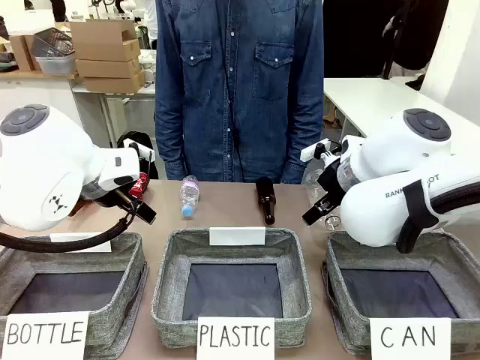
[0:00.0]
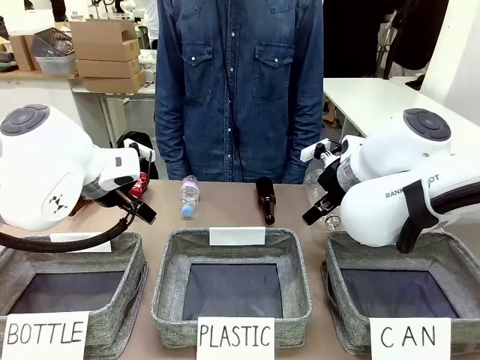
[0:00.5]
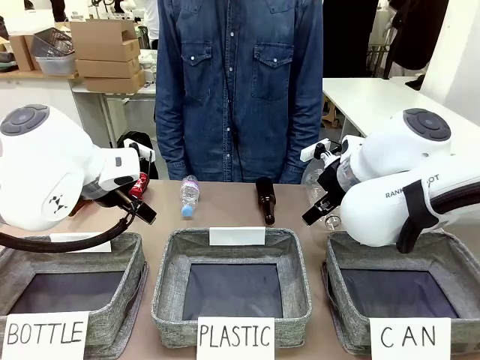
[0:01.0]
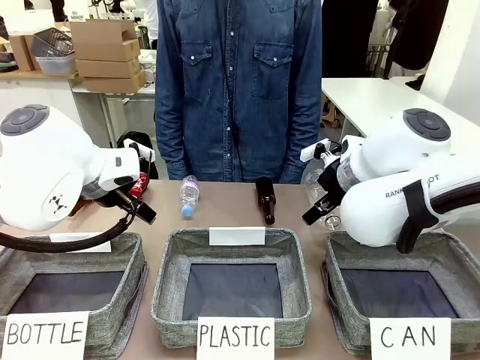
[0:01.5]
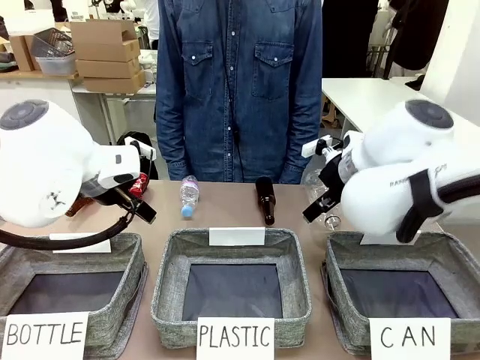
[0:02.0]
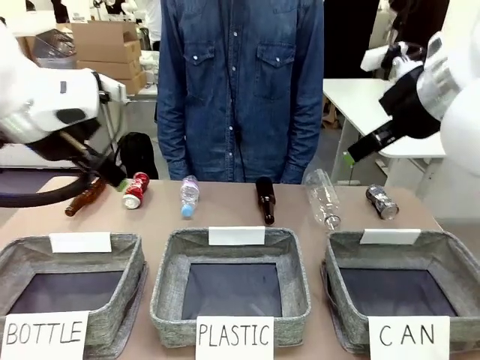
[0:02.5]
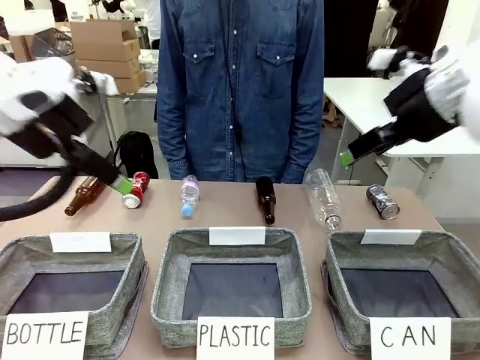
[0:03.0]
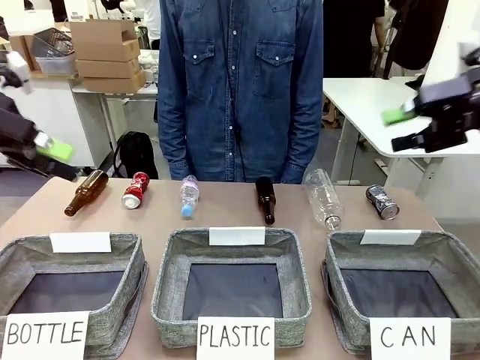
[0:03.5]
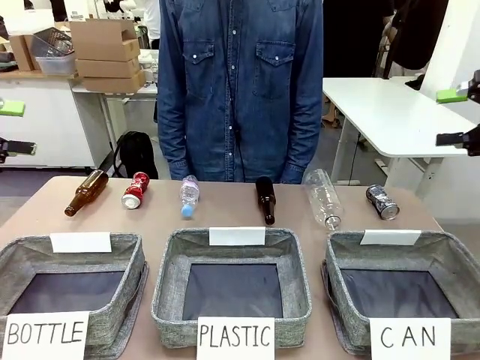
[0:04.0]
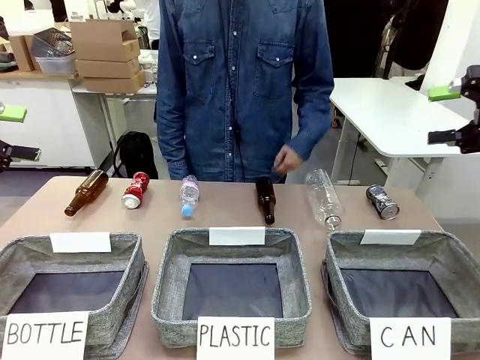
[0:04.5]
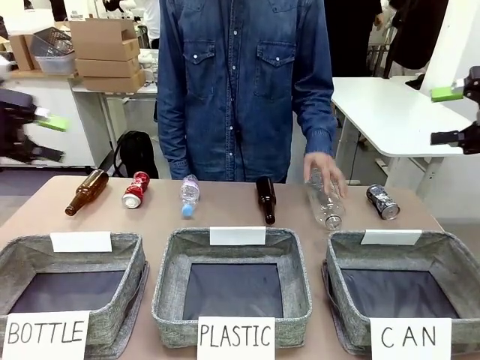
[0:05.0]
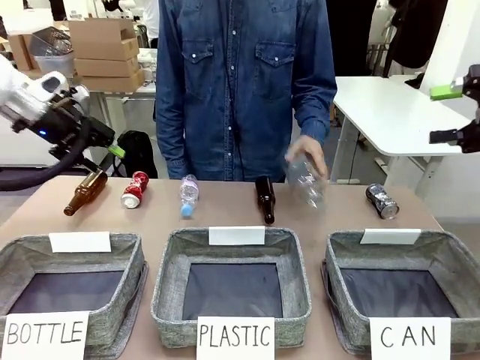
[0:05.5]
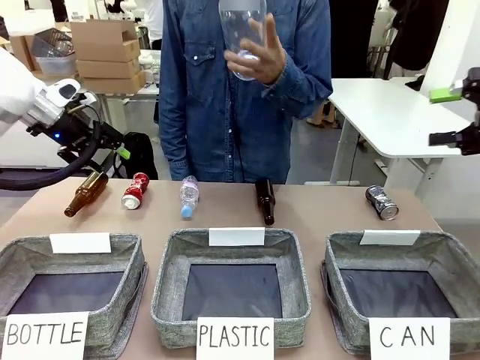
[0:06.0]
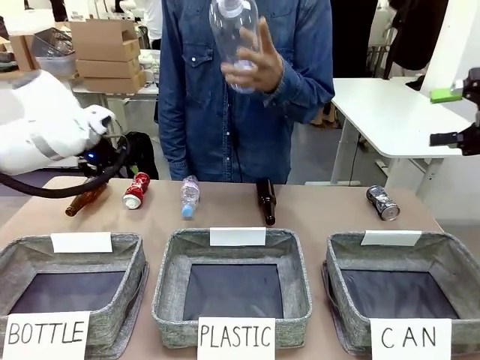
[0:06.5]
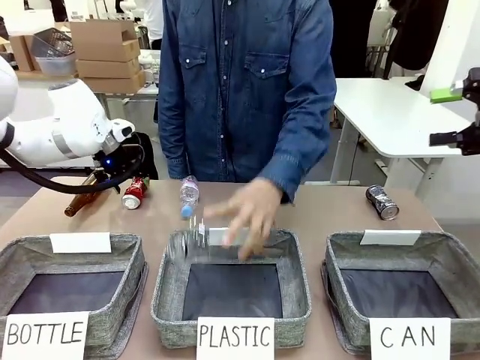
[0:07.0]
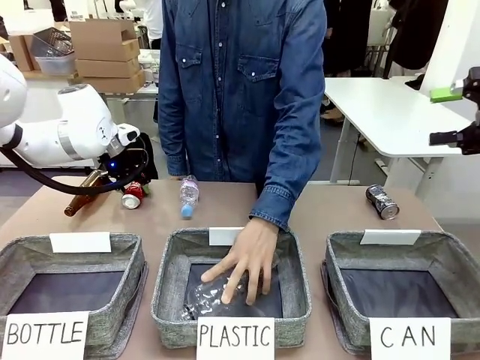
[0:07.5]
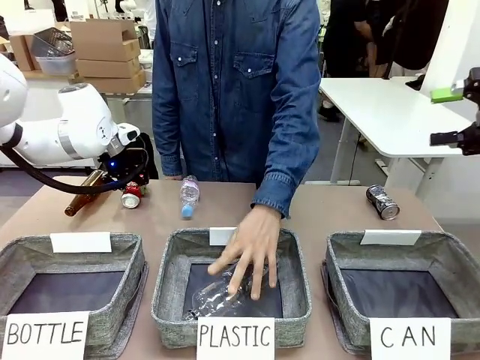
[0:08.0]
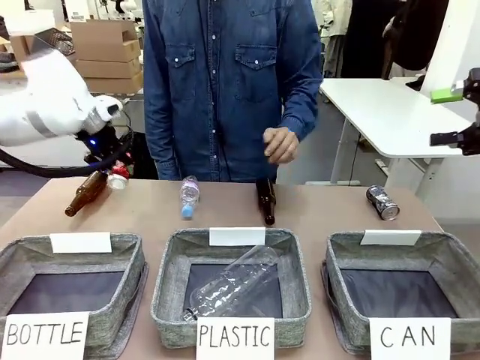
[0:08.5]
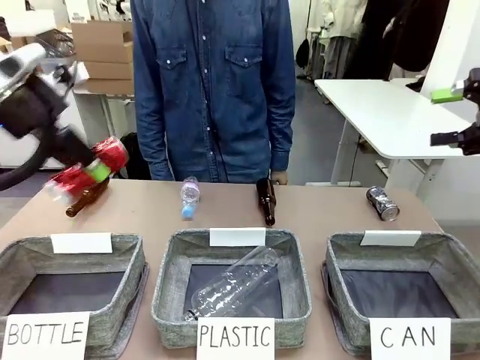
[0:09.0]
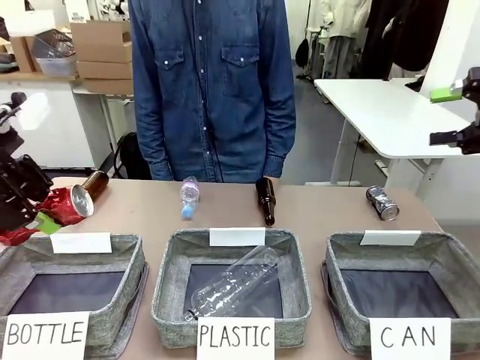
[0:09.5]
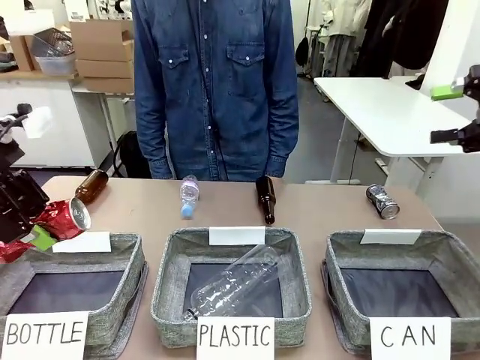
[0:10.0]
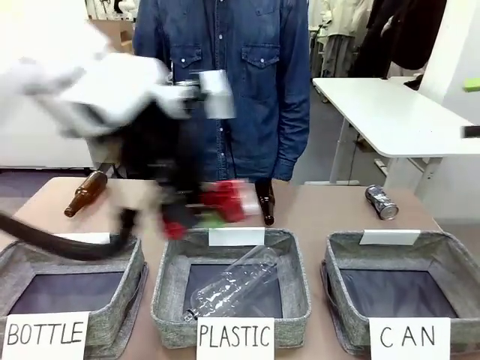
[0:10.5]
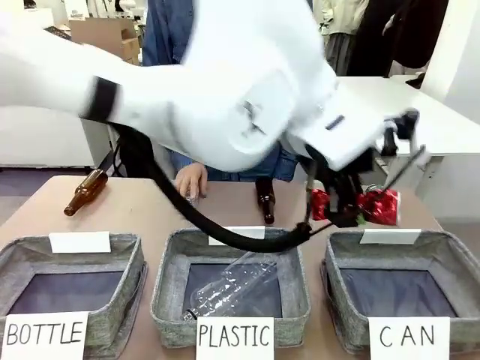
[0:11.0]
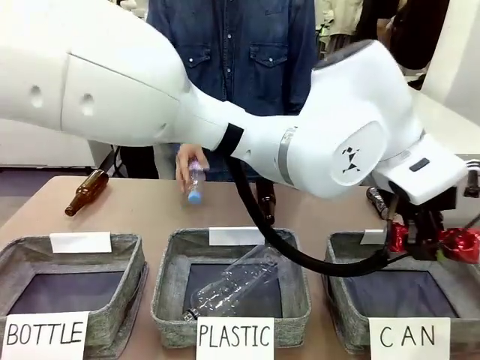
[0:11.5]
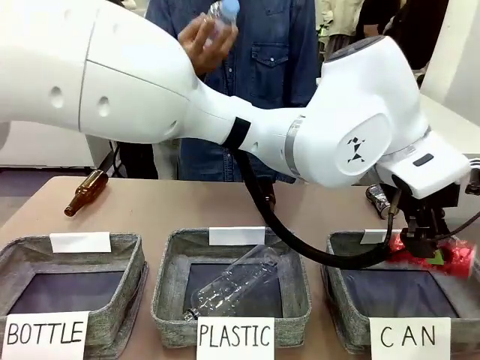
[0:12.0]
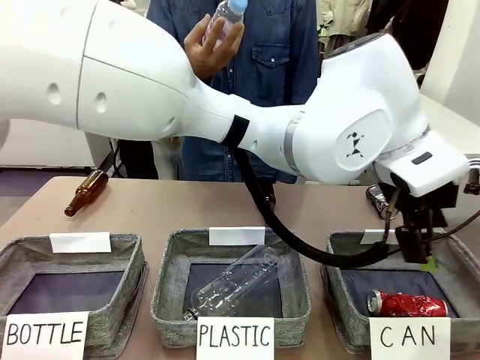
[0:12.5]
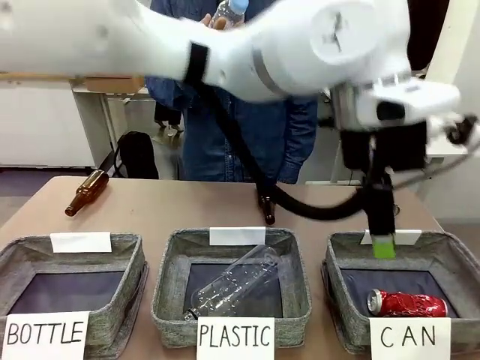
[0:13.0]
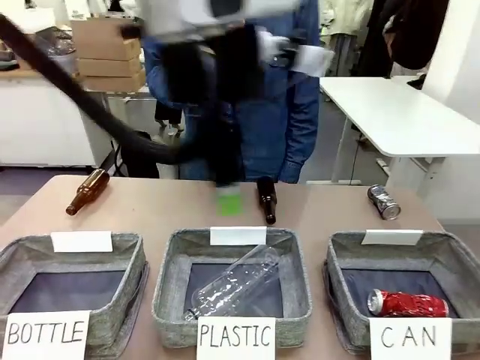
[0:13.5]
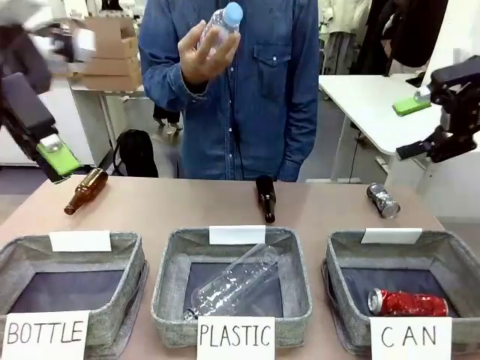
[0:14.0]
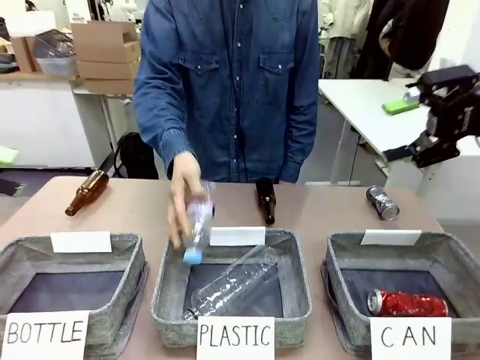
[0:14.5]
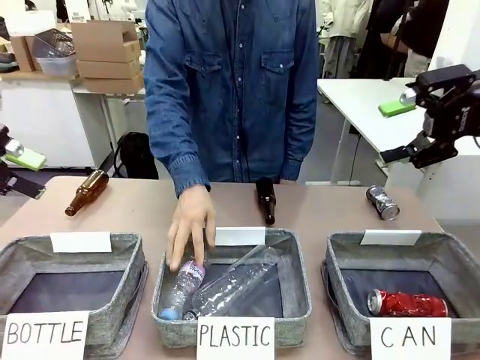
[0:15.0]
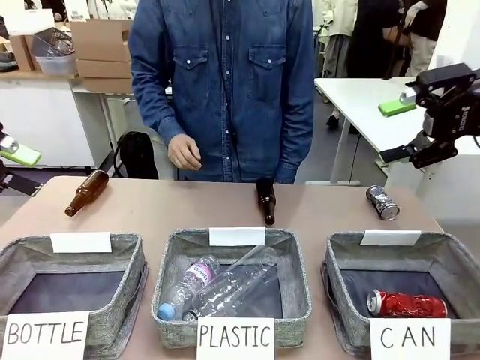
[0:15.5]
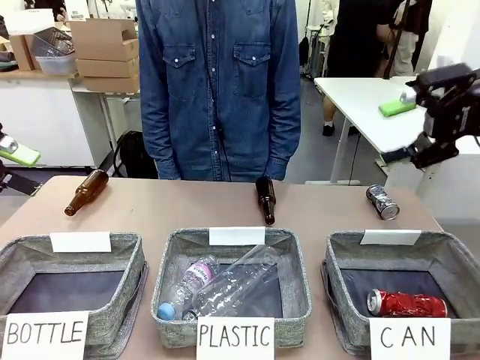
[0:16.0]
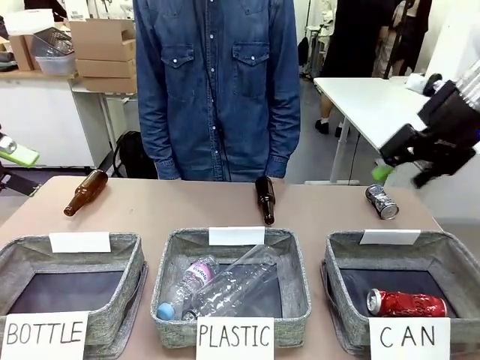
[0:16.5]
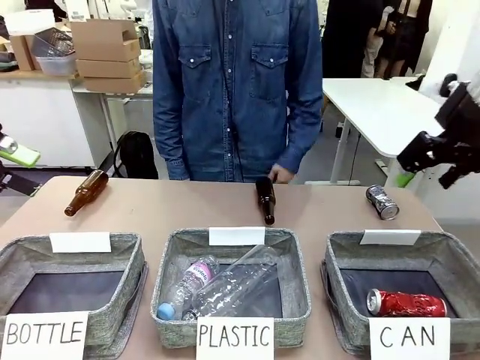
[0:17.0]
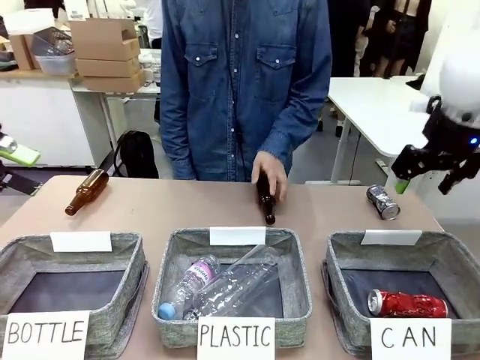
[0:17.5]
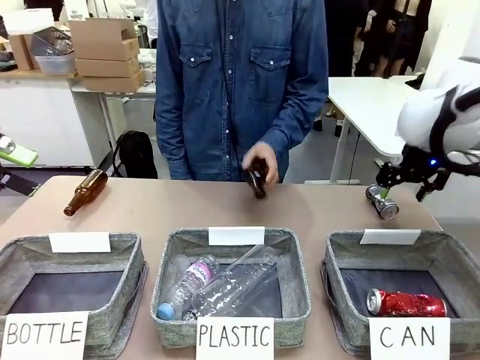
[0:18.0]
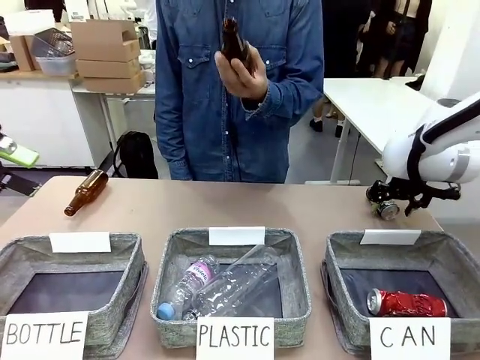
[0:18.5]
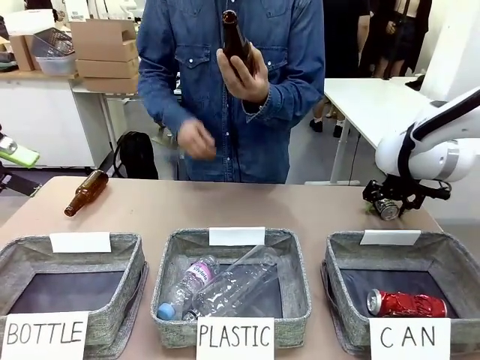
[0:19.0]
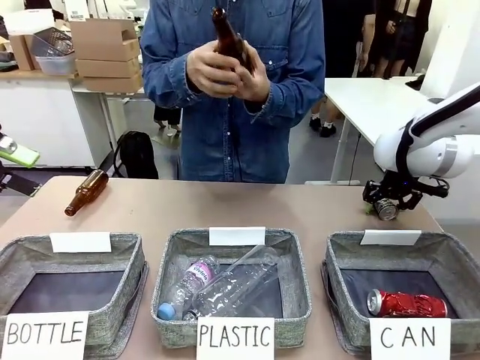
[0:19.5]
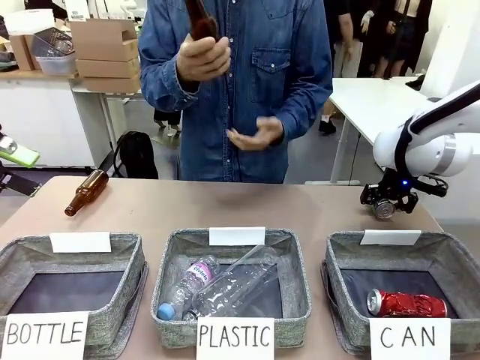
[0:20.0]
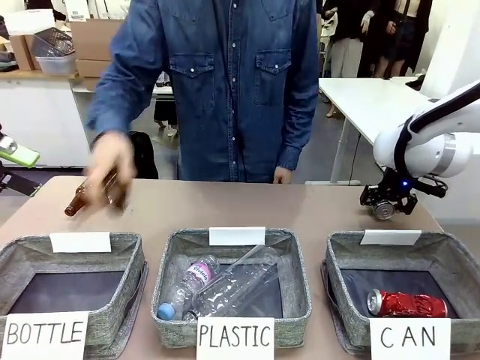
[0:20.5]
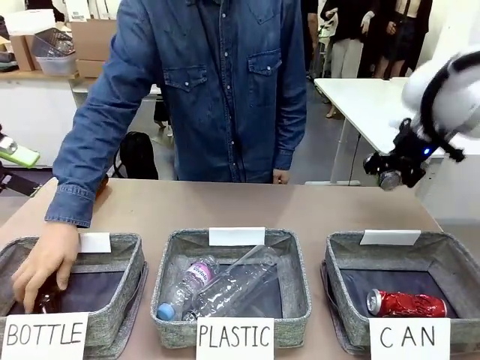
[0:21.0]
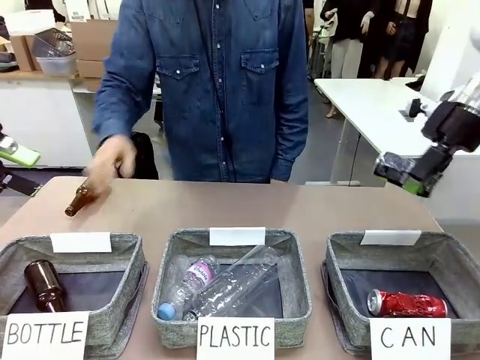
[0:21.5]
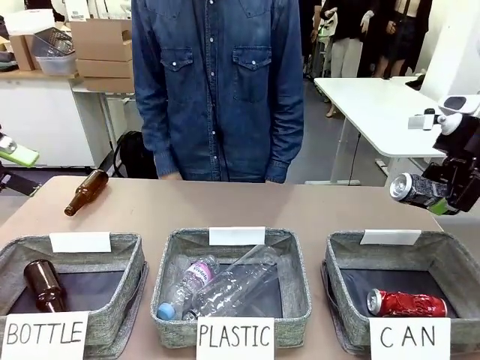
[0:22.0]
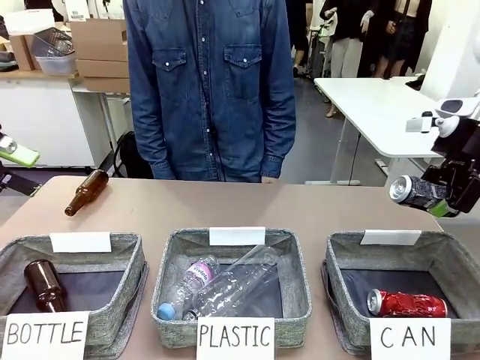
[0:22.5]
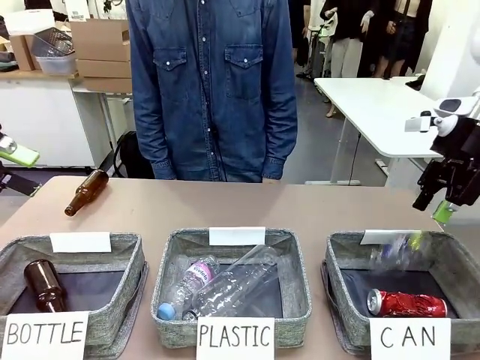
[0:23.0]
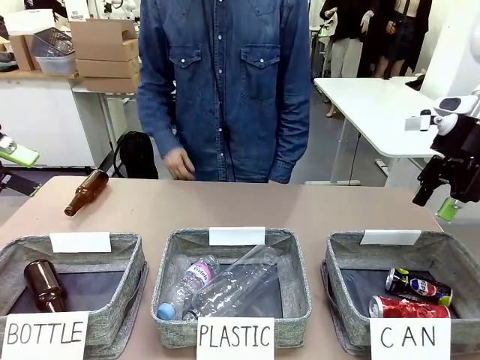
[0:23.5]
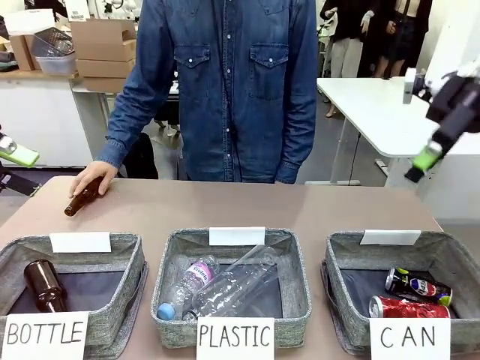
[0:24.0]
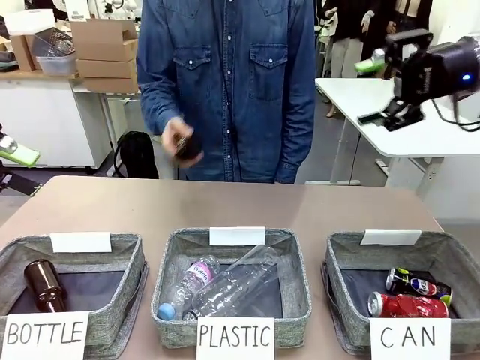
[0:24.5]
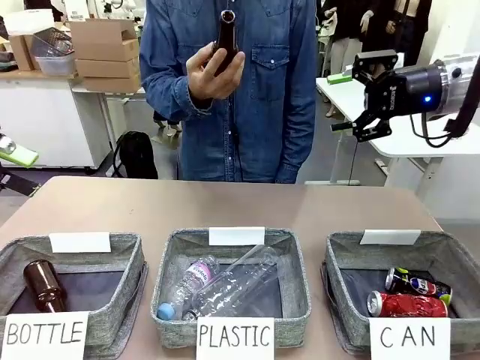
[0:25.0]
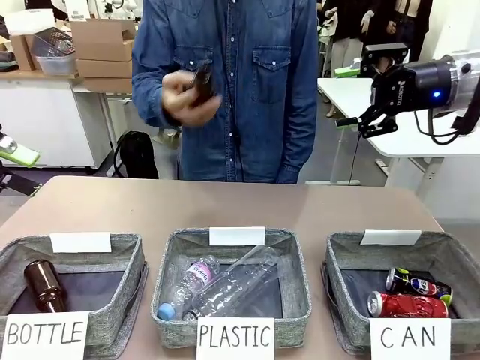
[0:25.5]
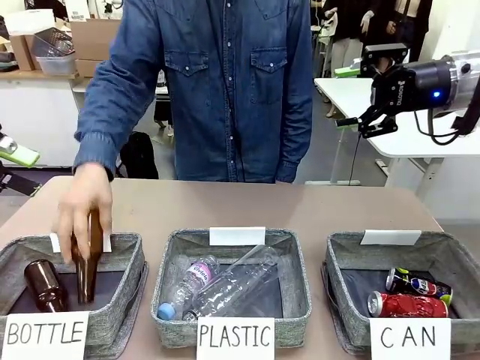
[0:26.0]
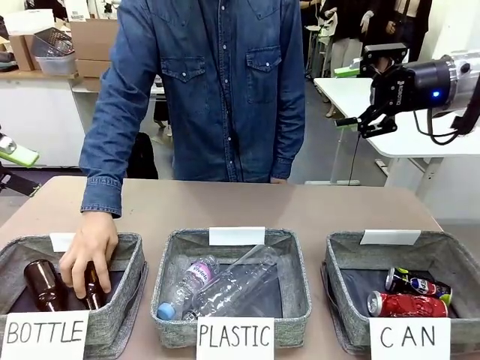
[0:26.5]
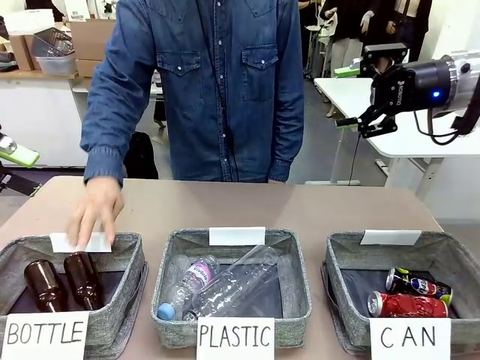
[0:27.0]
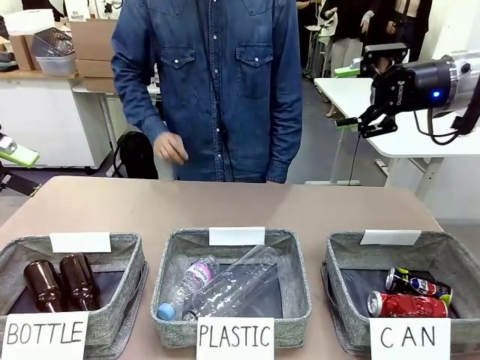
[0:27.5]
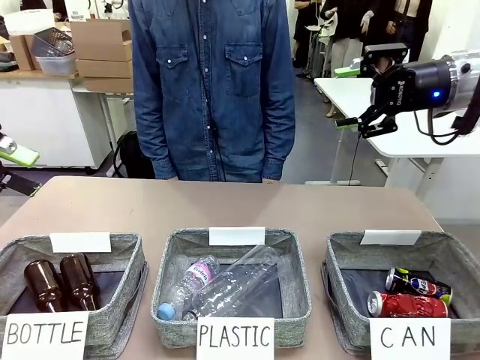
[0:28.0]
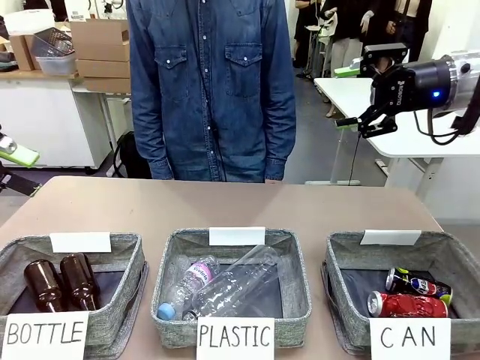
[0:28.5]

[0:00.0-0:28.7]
Task: Sort the can waste into the basket.
Robot: Pick up the can waste from the table and place it in the right Fabric basket.
Person: The human picks up one piece of trash that is not a can and places the trash into the appropriate organizing basket.
